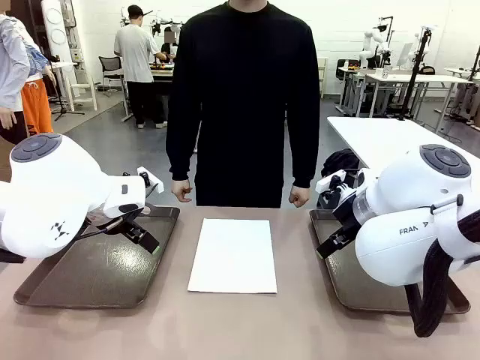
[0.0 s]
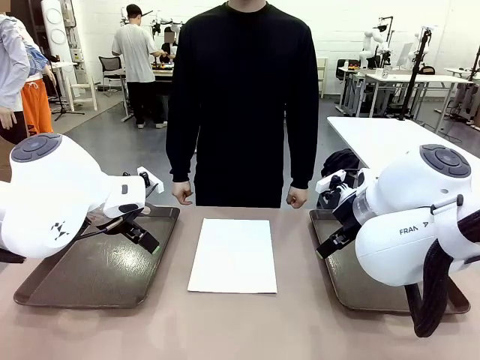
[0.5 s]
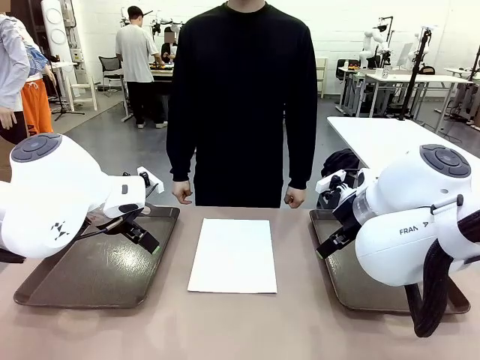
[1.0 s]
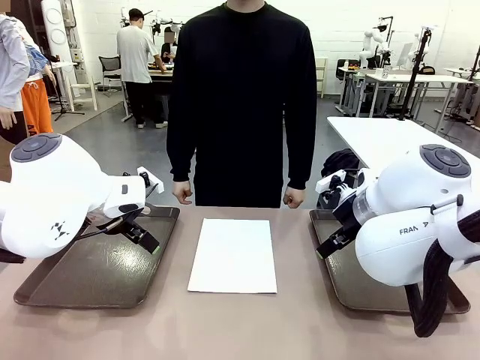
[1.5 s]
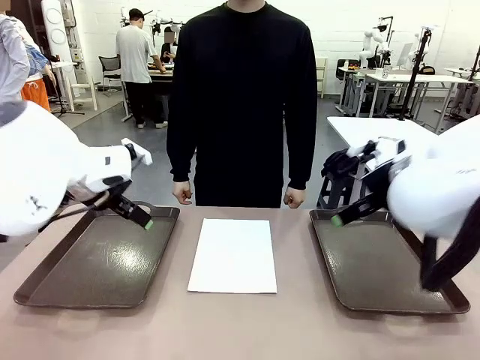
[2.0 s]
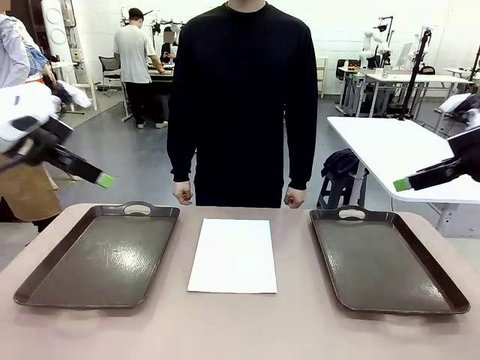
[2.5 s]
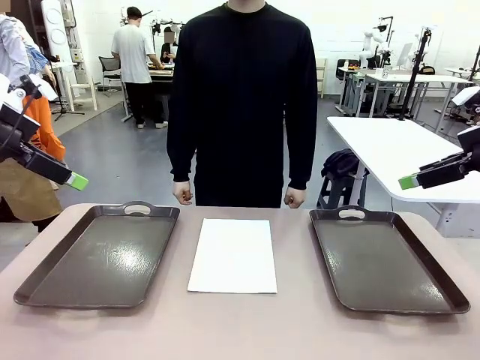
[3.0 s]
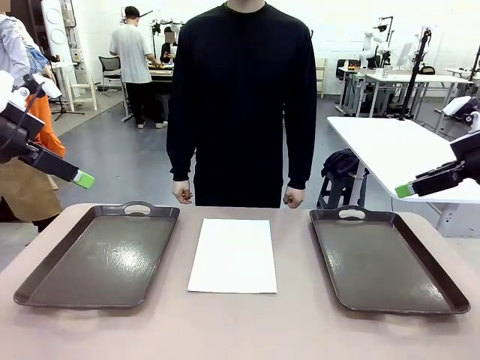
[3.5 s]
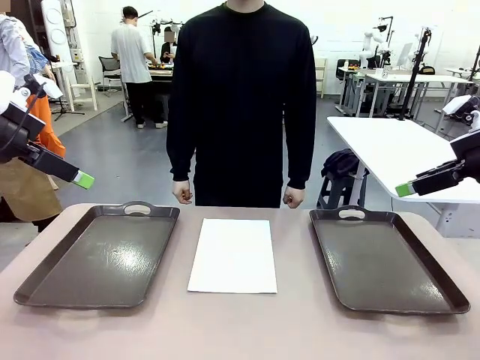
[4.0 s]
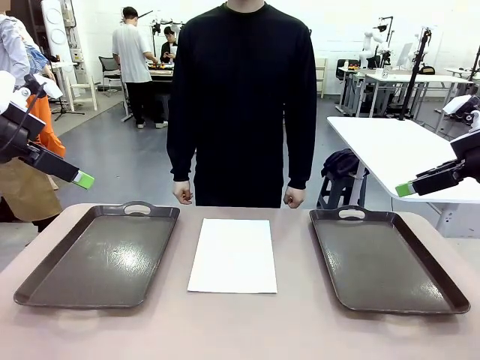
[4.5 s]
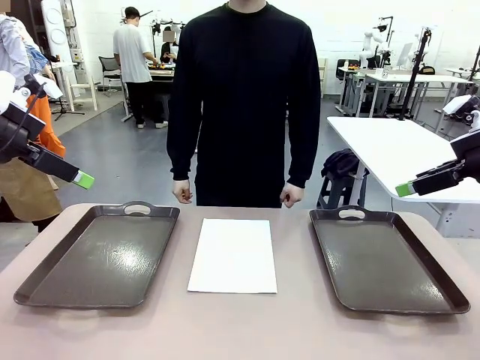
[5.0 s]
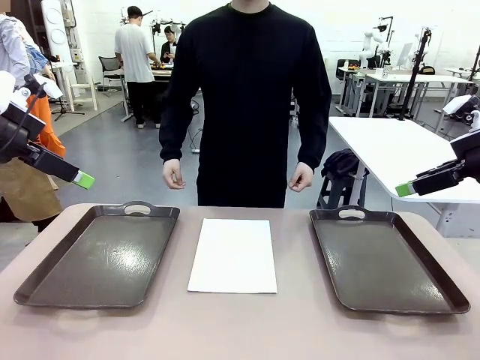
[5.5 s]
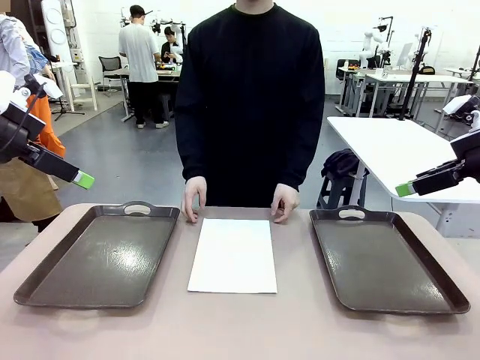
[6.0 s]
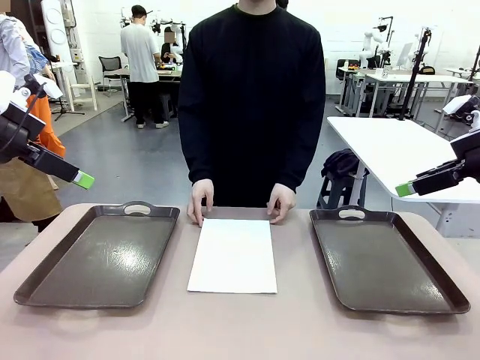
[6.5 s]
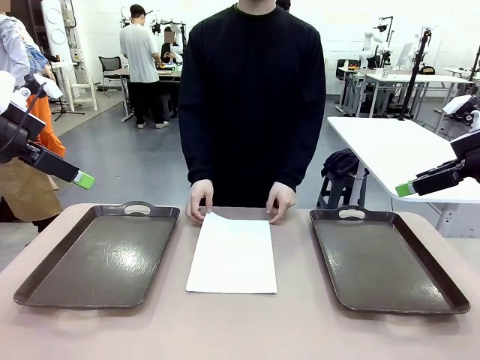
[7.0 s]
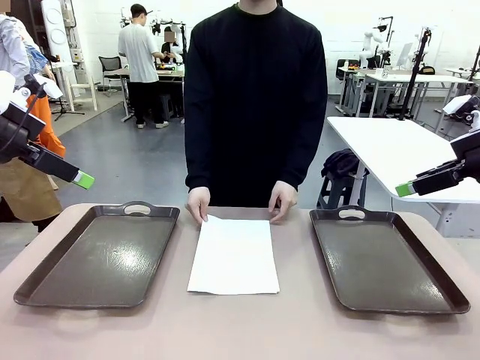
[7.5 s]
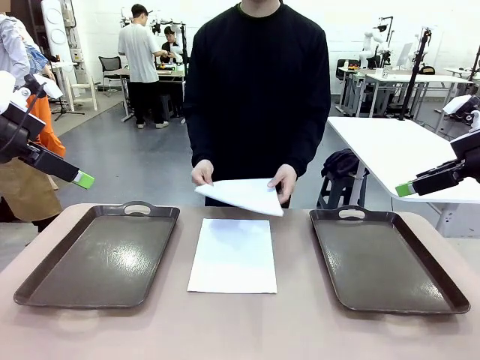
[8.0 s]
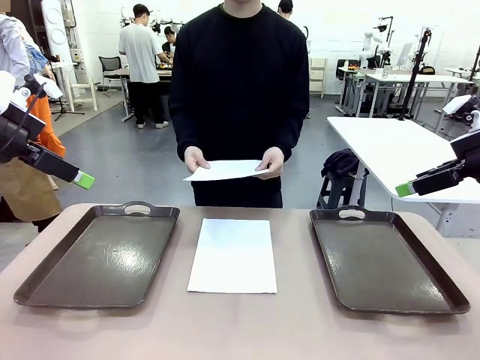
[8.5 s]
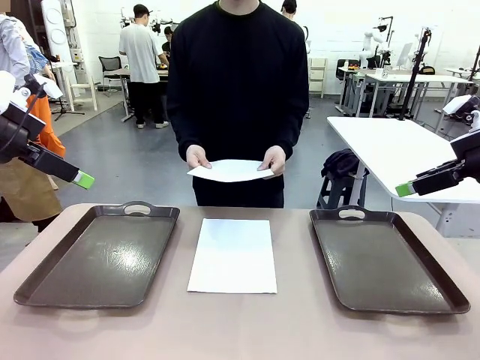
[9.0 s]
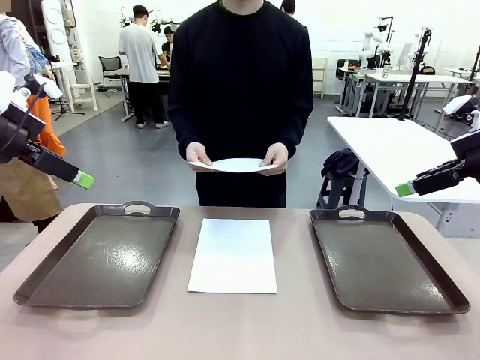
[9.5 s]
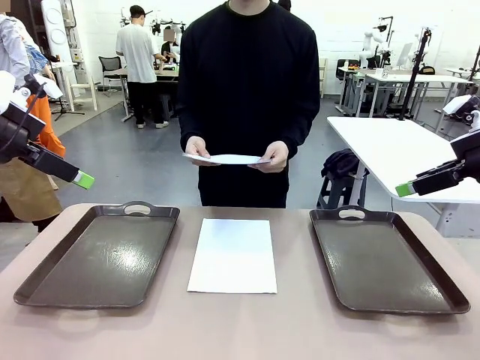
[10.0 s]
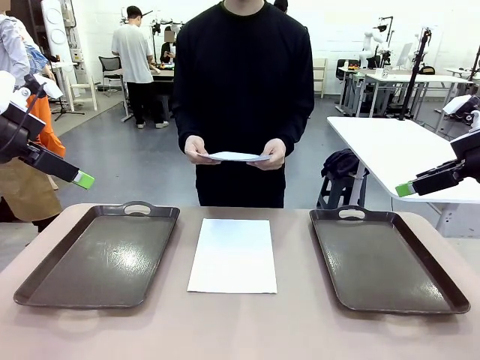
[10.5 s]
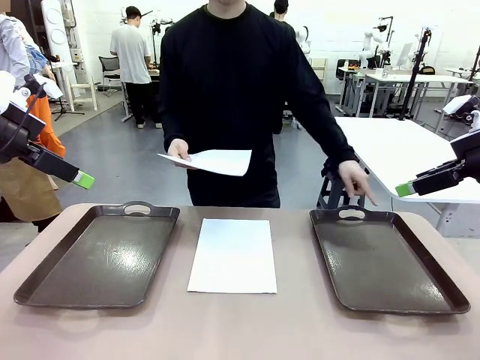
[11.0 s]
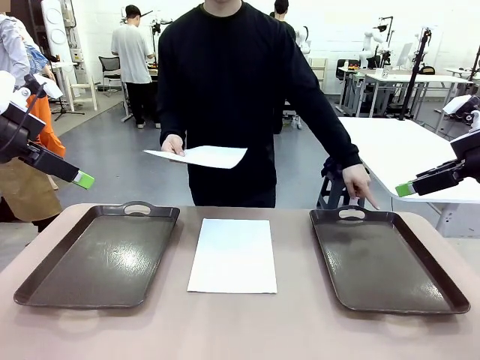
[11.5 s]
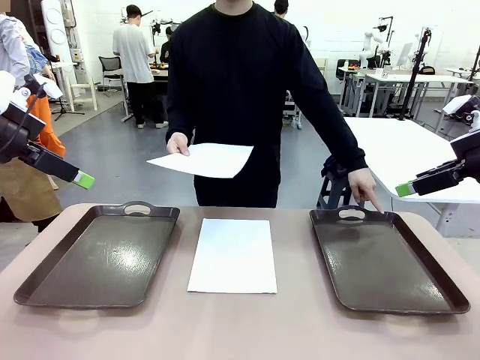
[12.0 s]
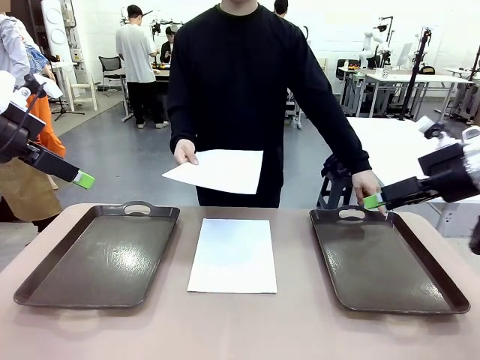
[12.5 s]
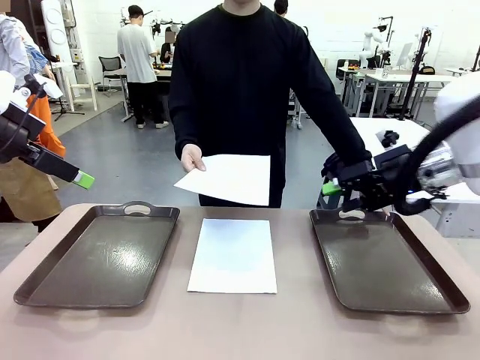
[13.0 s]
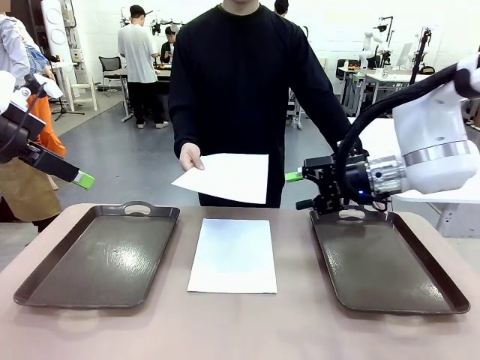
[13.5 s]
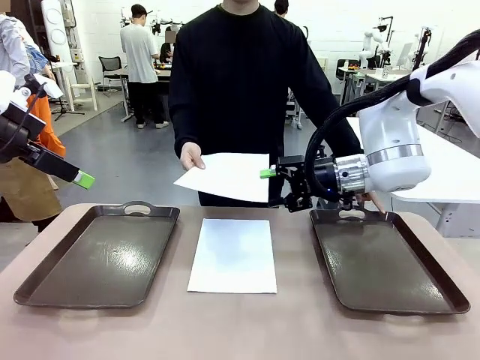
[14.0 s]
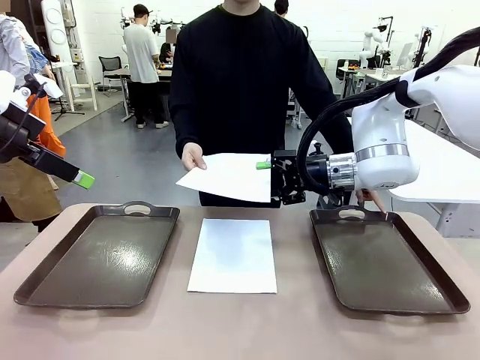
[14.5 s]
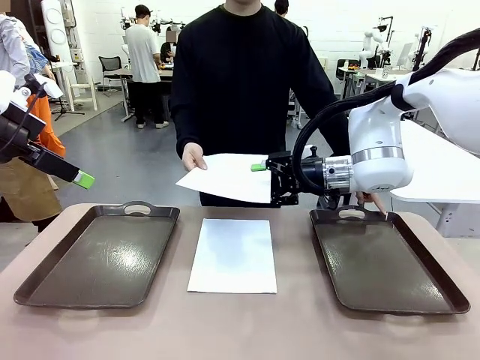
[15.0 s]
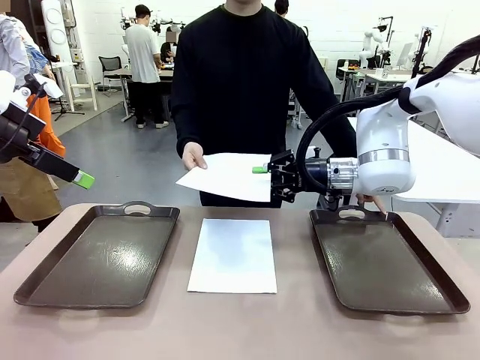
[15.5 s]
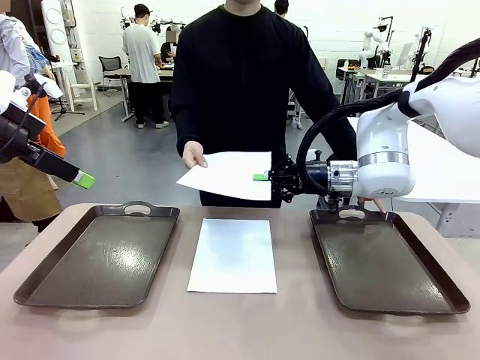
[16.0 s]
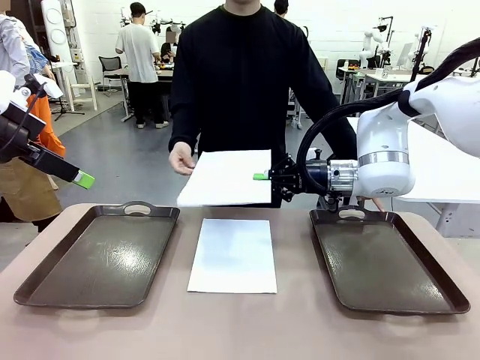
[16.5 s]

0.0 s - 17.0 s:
Task: Sort the A4 documents.
Robot: Receive the A4 Paper.
Person: Pick up a sheet of paper from the center of the table and hand it to the robot. Point the randomly selected tray with the other hand.

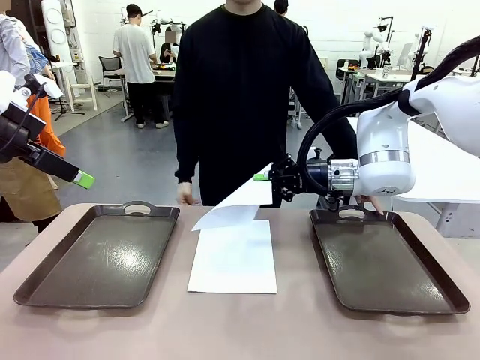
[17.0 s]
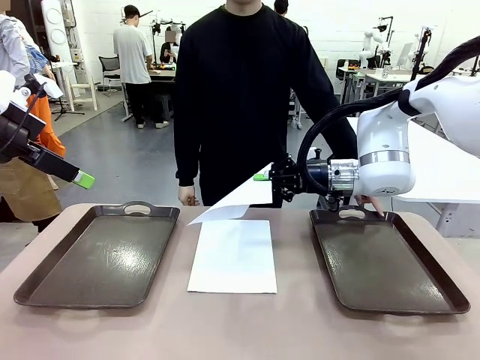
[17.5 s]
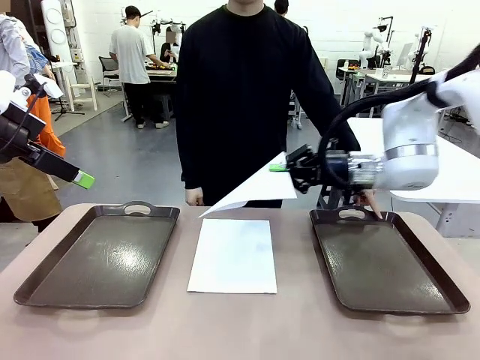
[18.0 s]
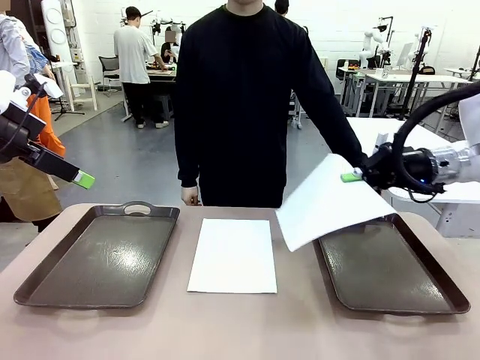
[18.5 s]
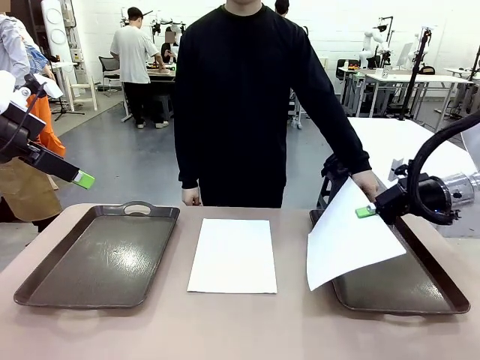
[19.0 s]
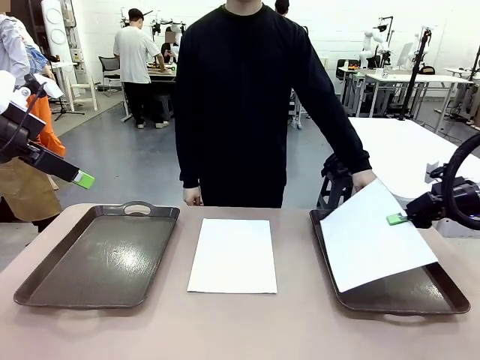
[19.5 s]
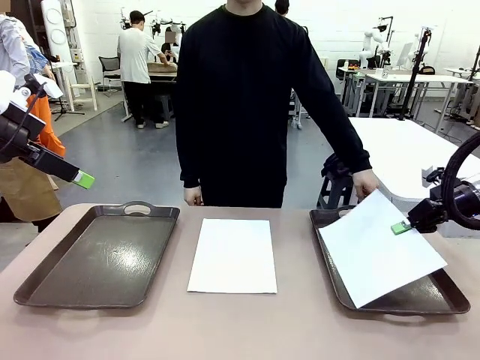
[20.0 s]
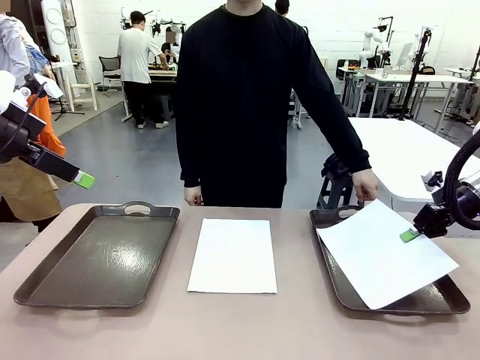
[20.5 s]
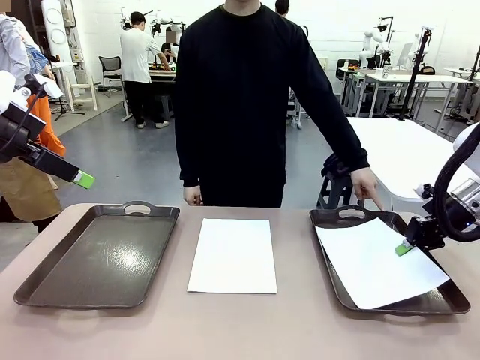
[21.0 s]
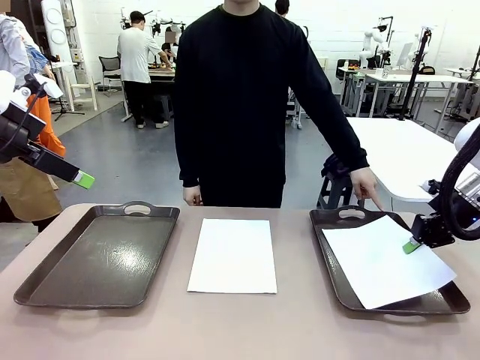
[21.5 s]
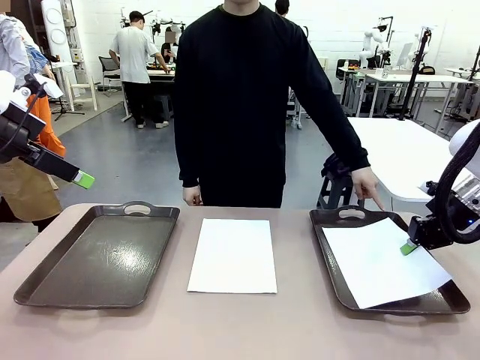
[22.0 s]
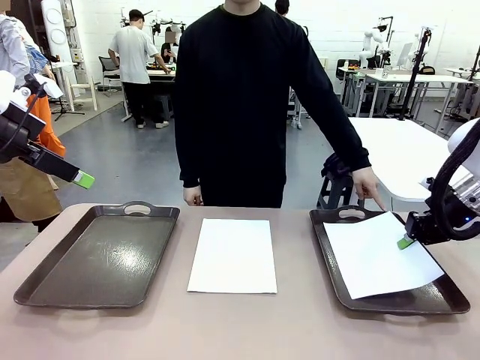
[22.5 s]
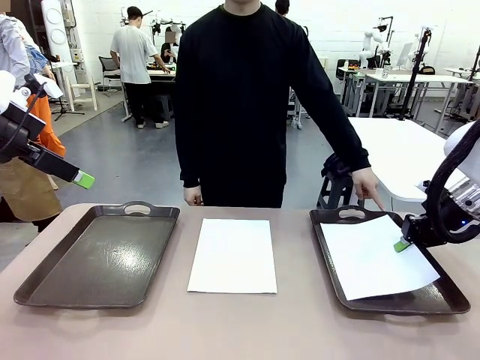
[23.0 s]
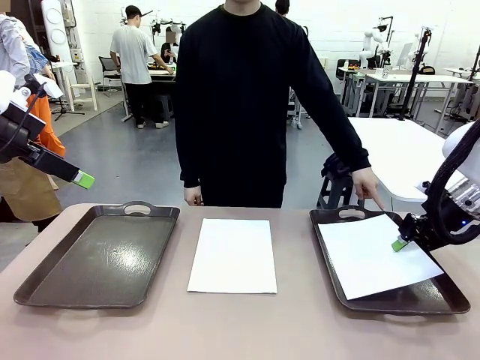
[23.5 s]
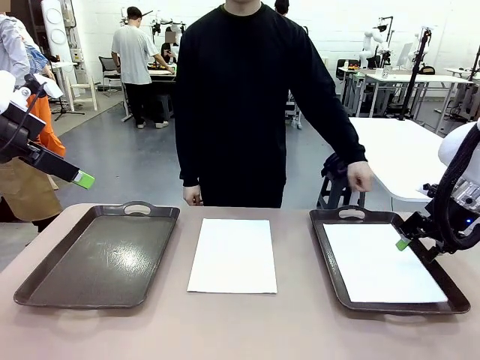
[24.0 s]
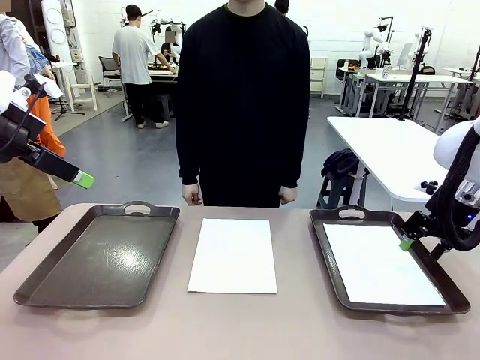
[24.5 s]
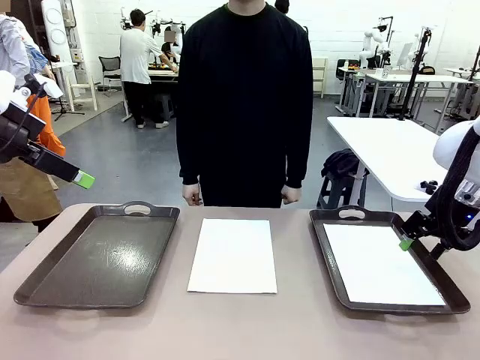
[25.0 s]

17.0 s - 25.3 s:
Robot: Place the A4 Paper in the designated Handle tray.
